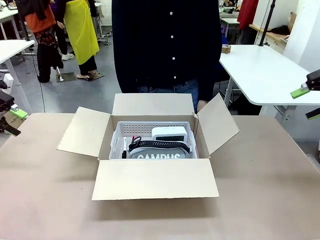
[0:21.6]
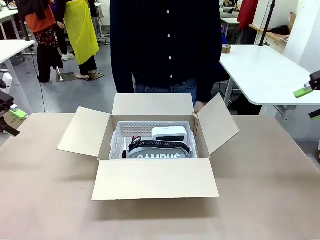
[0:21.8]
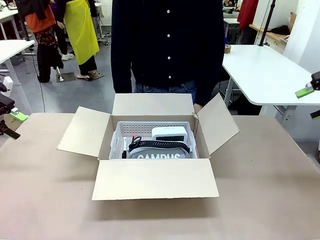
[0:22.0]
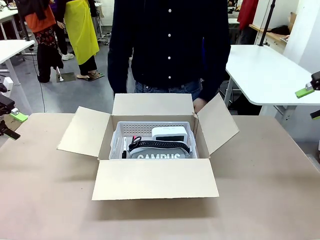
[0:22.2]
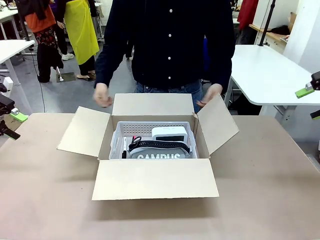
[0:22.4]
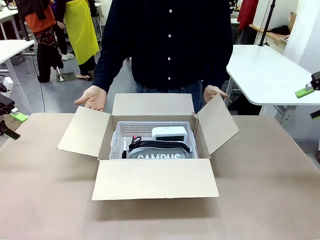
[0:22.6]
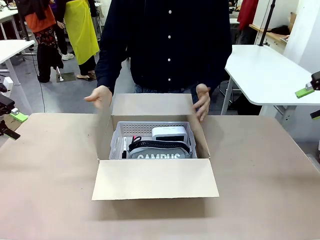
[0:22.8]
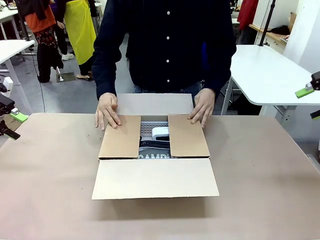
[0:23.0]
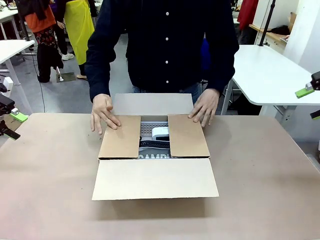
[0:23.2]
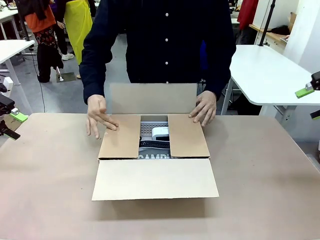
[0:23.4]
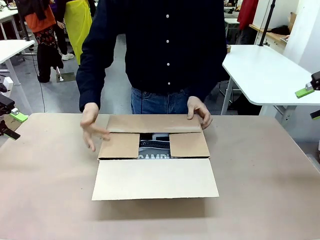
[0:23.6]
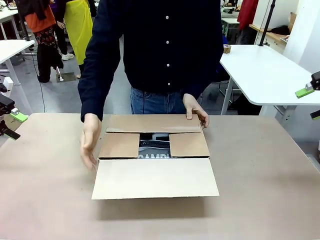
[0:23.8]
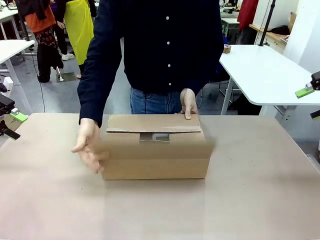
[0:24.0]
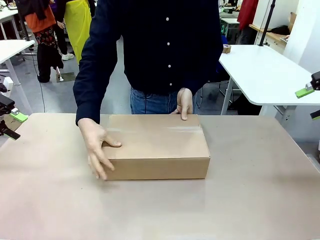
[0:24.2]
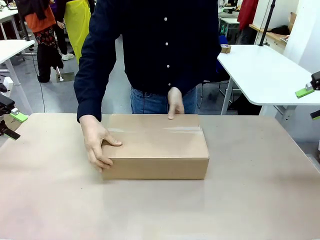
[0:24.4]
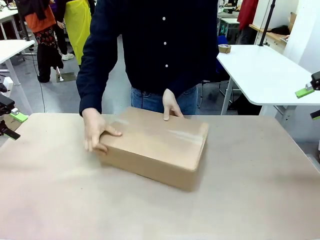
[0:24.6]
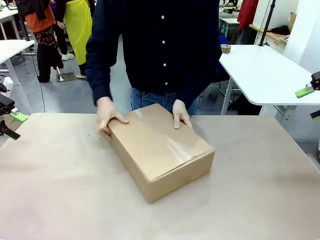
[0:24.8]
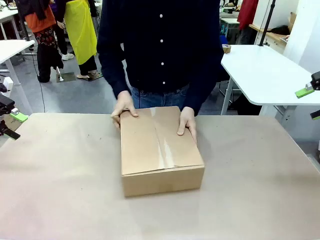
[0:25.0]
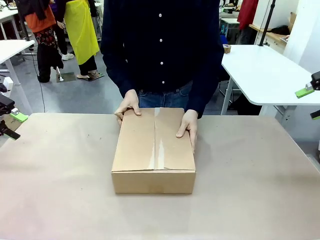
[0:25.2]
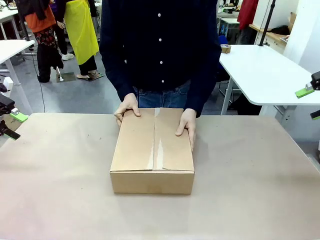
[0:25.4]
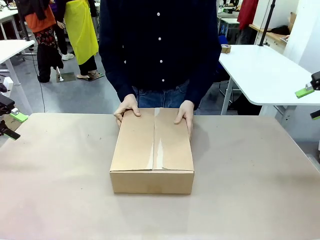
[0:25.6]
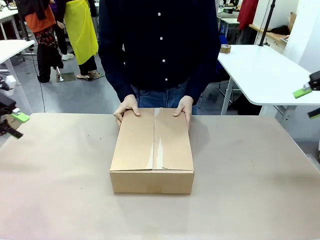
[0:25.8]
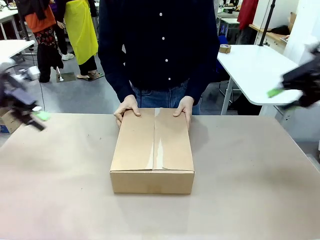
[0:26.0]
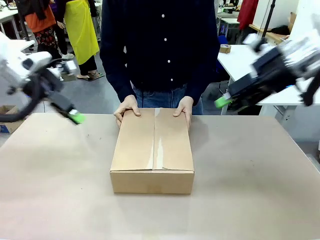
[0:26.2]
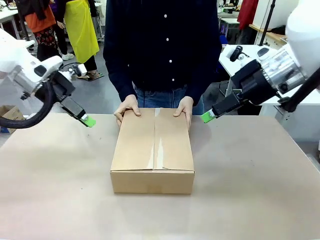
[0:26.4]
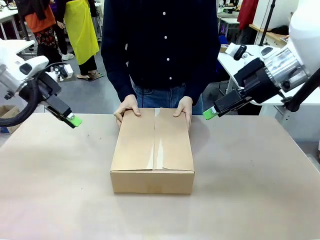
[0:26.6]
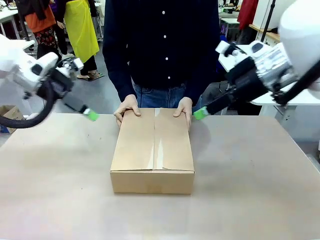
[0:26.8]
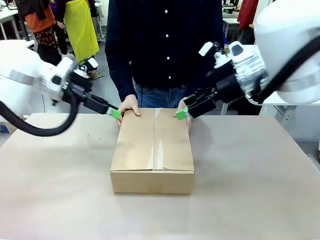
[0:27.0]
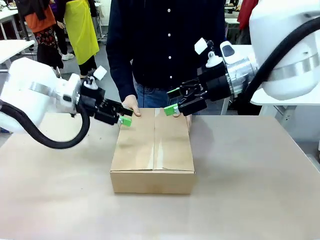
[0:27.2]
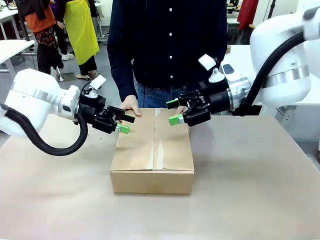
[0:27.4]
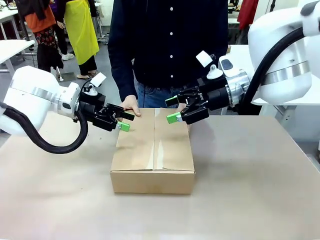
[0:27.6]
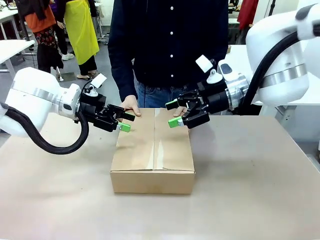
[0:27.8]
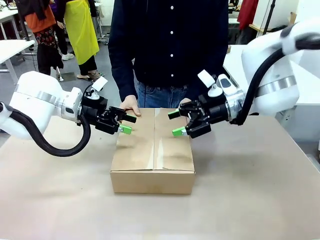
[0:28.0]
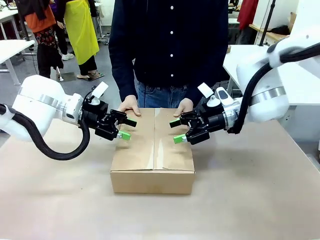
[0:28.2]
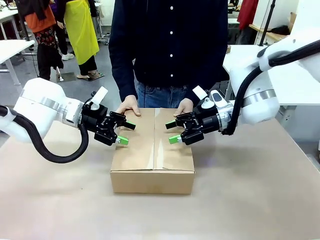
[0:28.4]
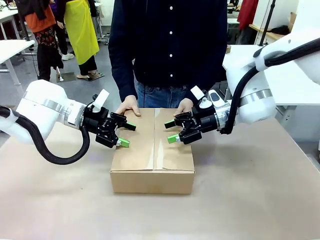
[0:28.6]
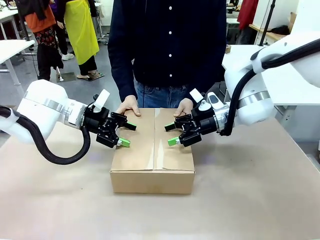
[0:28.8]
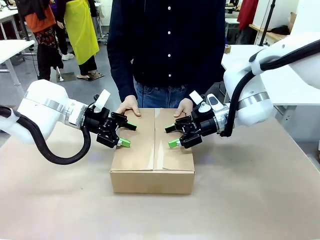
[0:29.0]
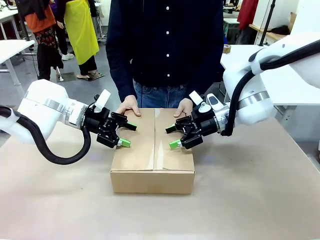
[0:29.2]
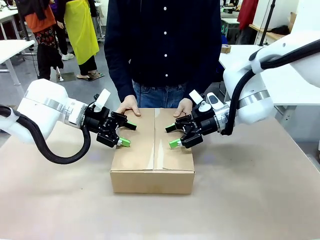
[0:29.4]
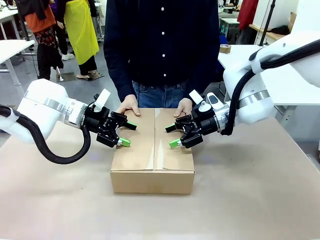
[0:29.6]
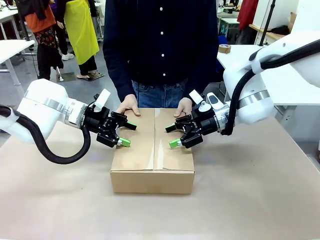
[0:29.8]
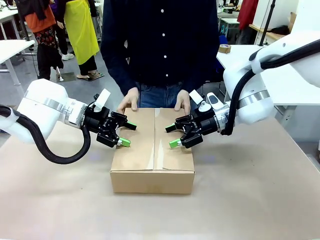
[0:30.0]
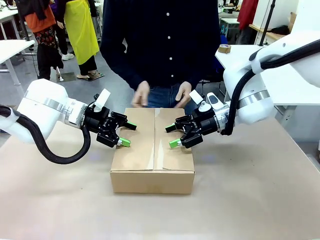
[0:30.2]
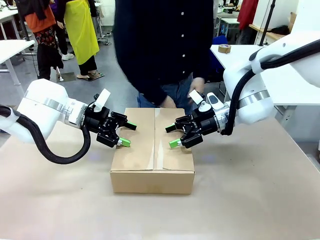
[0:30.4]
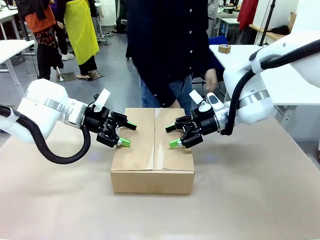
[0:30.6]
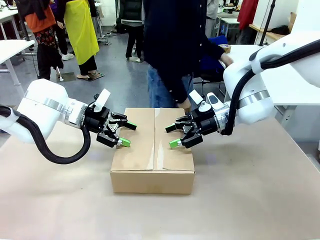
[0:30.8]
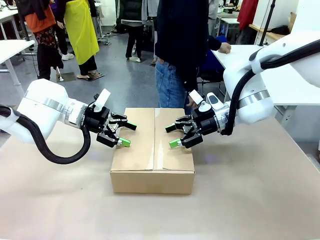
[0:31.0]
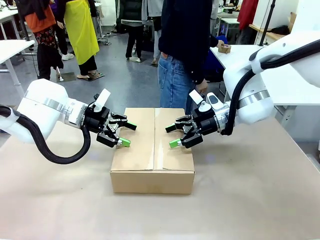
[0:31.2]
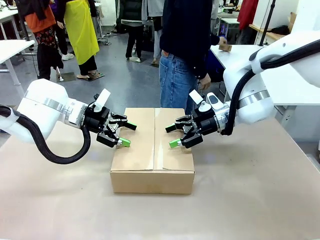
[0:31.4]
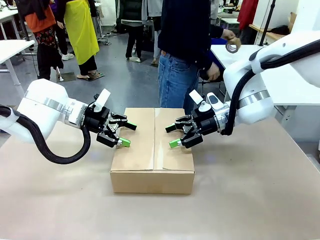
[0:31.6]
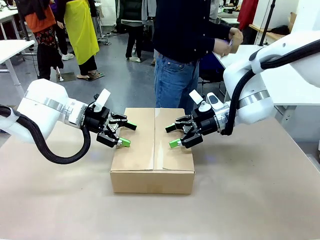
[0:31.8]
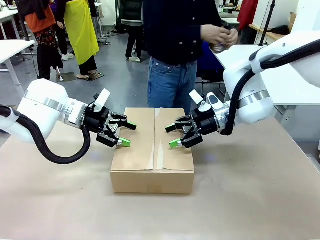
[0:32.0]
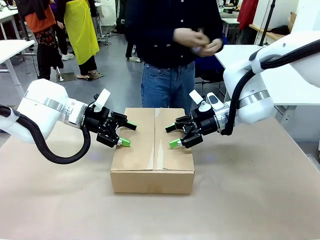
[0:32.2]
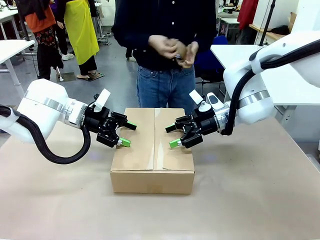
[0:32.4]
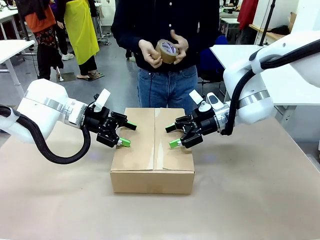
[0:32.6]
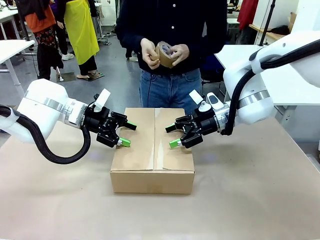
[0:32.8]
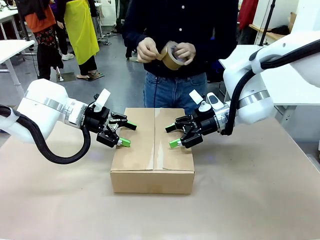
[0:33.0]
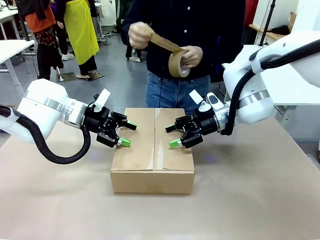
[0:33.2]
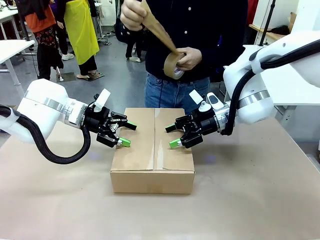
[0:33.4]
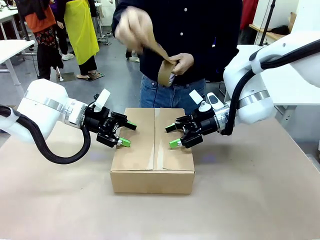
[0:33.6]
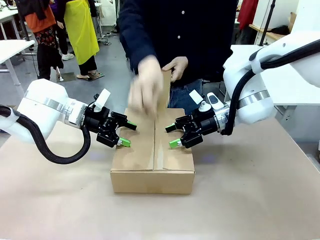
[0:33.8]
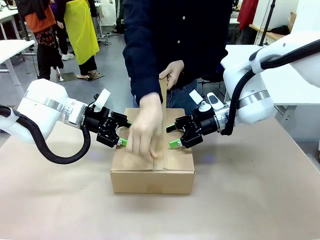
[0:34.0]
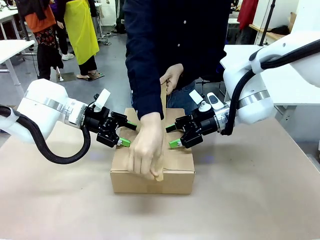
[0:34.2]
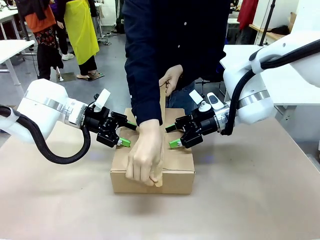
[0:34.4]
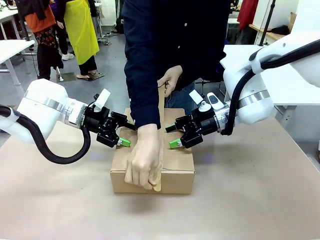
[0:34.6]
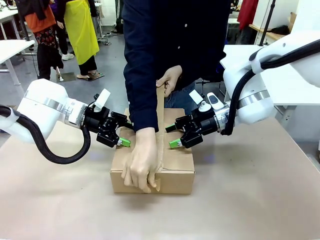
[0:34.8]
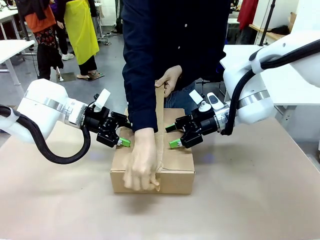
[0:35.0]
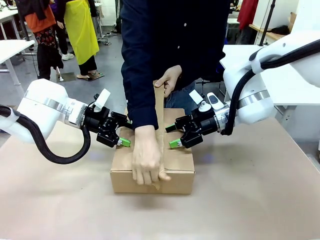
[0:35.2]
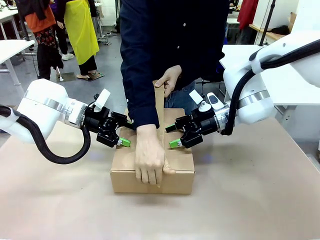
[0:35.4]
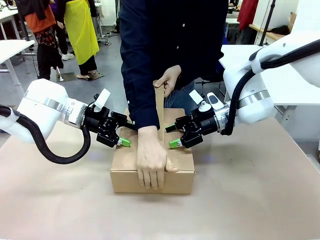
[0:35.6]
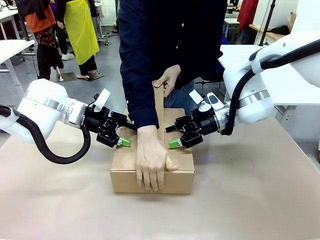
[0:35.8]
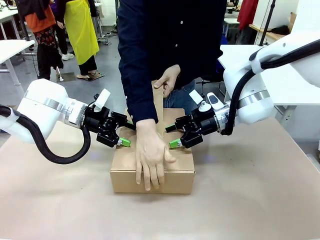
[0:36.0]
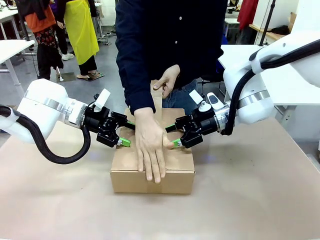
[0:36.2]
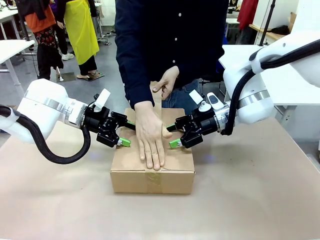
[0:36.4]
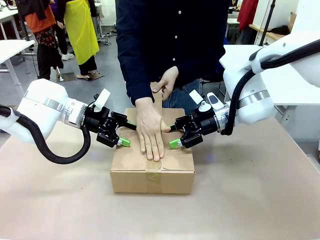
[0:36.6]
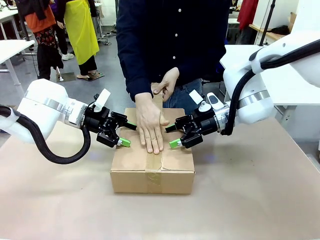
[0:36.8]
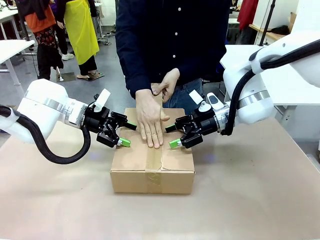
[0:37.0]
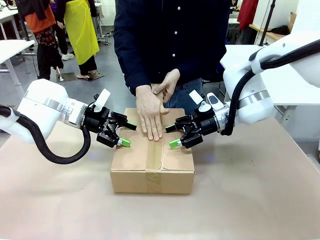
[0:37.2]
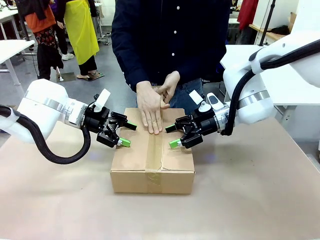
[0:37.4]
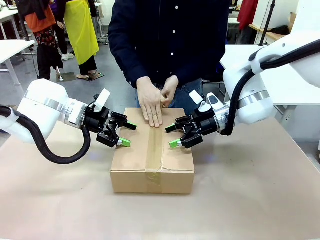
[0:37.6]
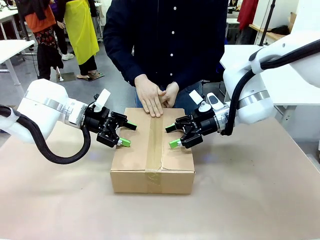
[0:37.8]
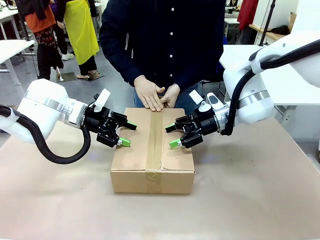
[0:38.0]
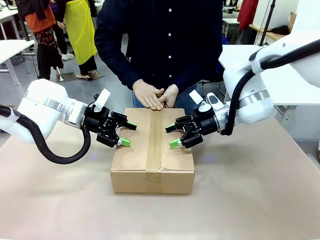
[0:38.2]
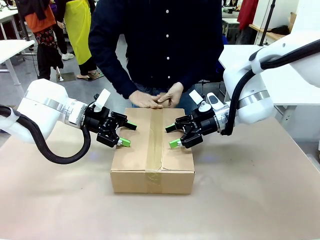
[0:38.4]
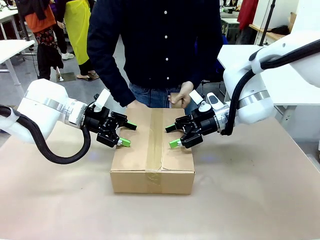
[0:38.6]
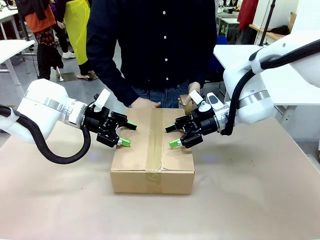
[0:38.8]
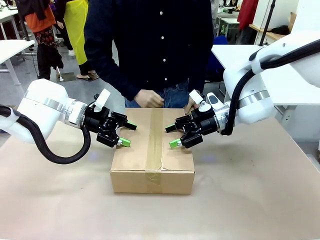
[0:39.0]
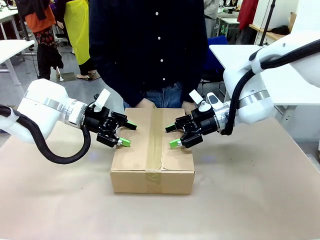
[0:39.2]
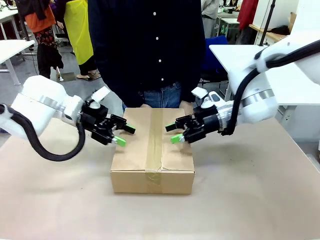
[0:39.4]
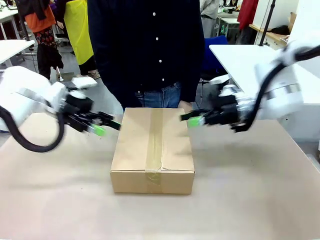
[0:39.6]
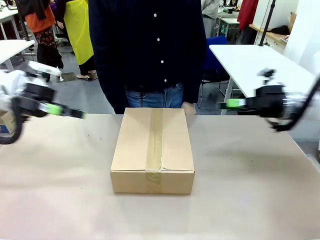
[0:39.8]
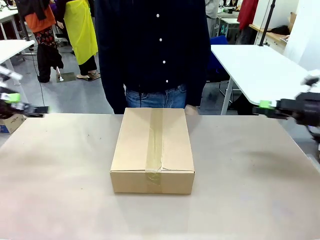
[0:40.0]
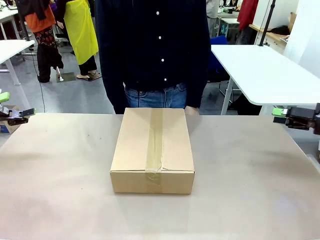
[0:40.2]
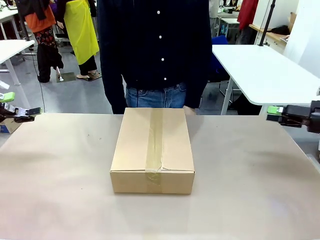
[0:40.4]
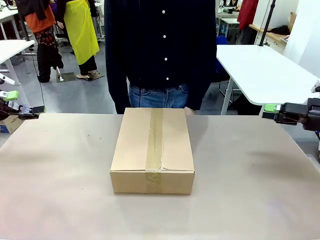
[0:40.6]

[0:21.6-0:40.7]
Task: Pack the gift set into the box.
Robot: Press and hold the closed box until the human finishes sealing it.
Person: The human closes the box and rotates the box by 90 degrees. The human picks up the paper tape from the human table and packs the box.
